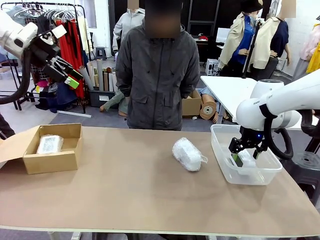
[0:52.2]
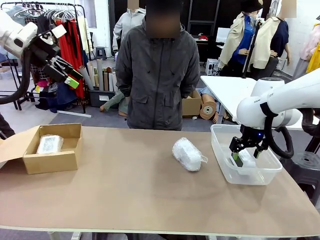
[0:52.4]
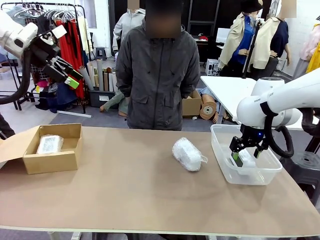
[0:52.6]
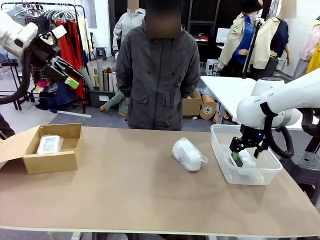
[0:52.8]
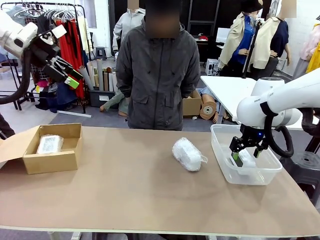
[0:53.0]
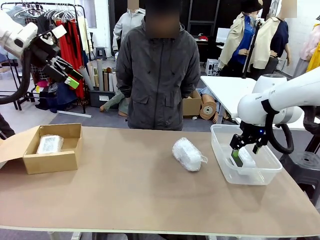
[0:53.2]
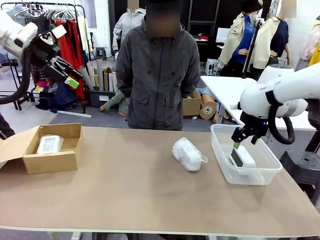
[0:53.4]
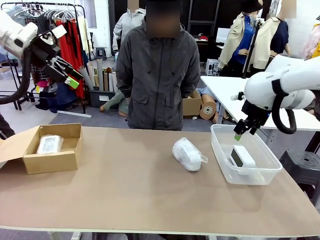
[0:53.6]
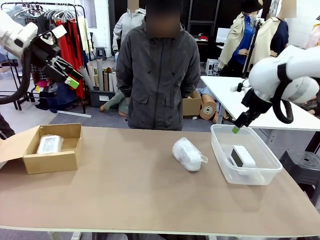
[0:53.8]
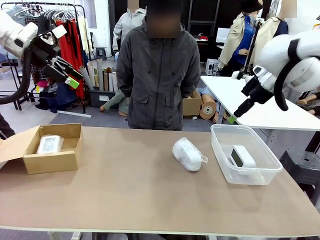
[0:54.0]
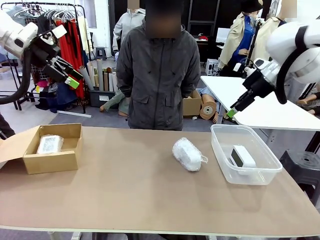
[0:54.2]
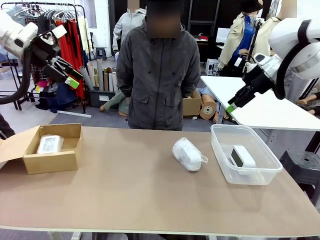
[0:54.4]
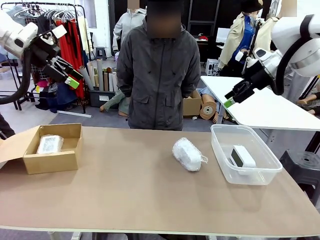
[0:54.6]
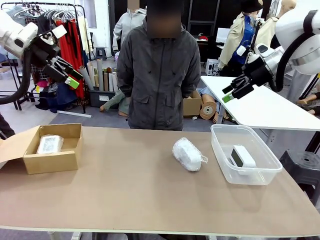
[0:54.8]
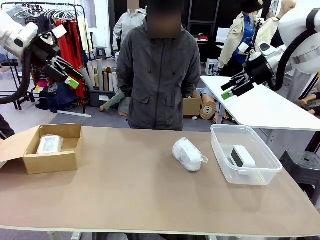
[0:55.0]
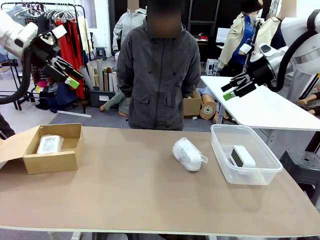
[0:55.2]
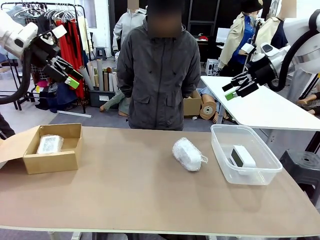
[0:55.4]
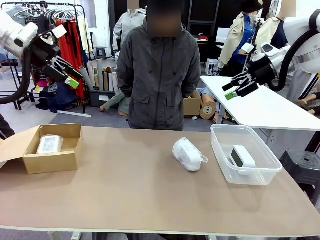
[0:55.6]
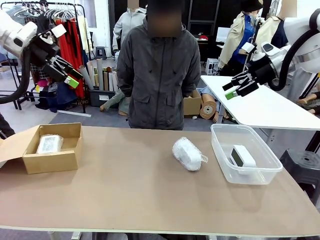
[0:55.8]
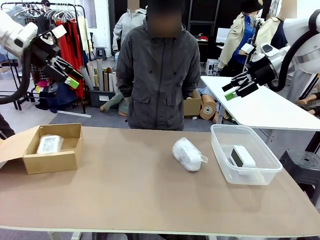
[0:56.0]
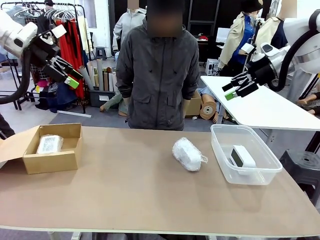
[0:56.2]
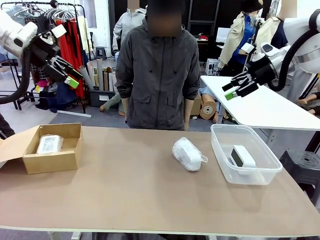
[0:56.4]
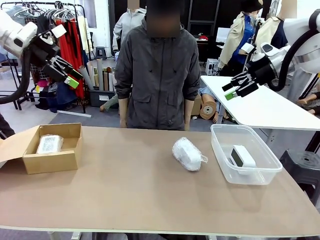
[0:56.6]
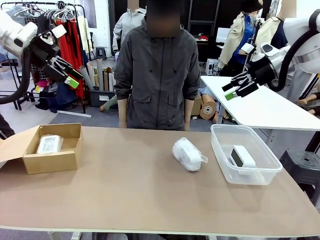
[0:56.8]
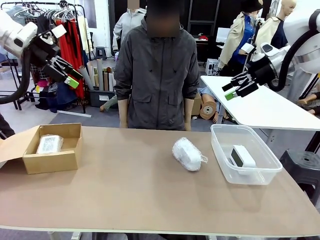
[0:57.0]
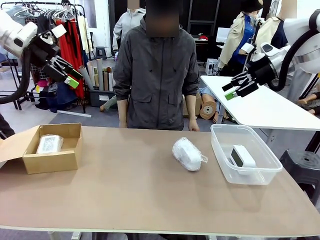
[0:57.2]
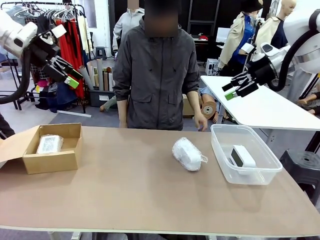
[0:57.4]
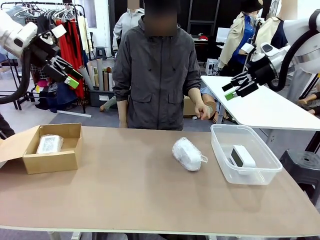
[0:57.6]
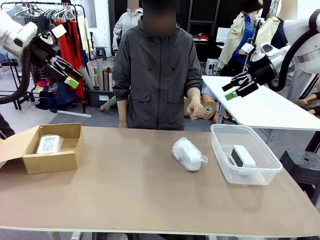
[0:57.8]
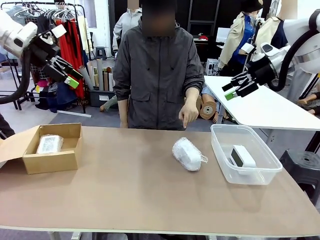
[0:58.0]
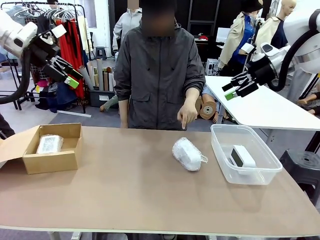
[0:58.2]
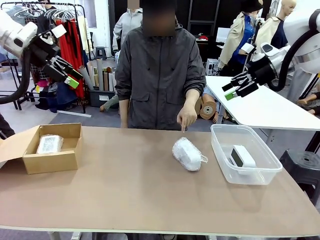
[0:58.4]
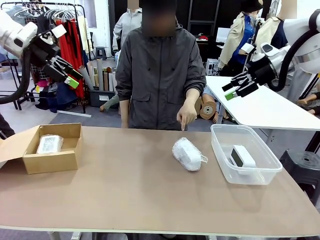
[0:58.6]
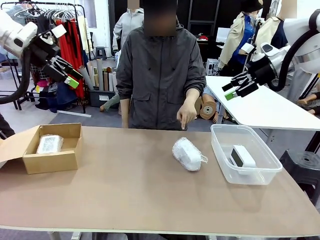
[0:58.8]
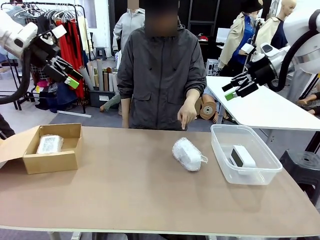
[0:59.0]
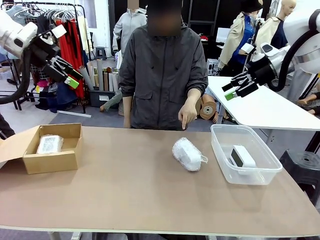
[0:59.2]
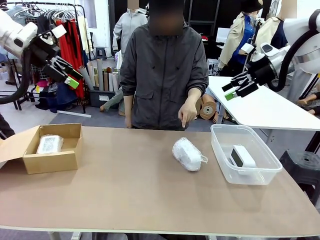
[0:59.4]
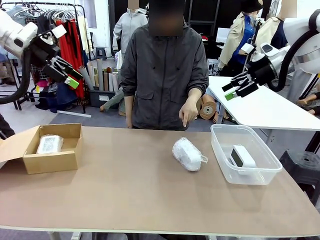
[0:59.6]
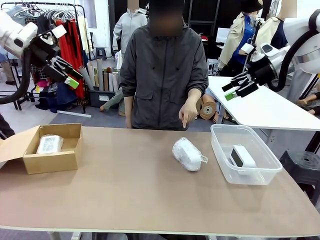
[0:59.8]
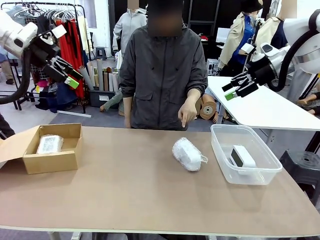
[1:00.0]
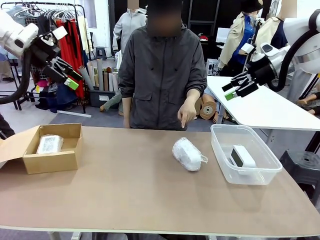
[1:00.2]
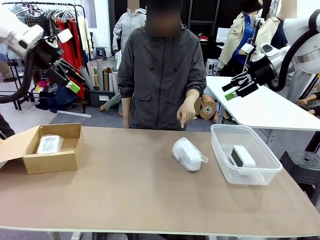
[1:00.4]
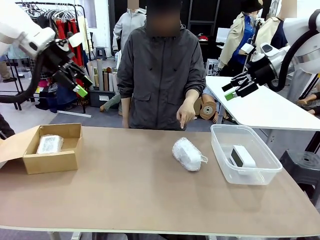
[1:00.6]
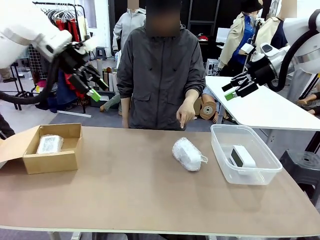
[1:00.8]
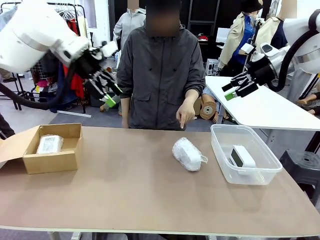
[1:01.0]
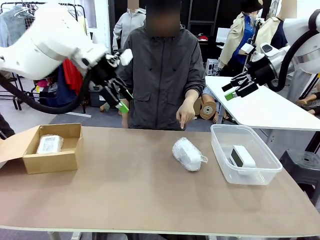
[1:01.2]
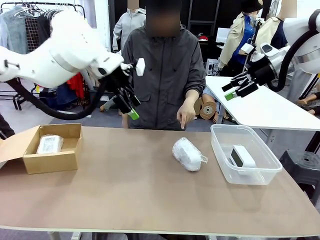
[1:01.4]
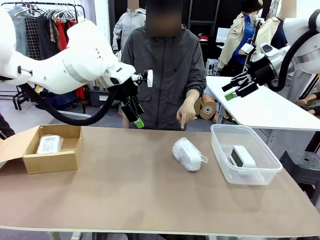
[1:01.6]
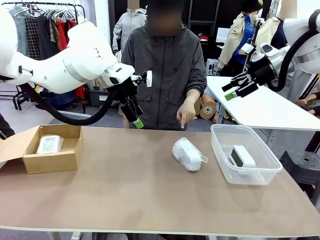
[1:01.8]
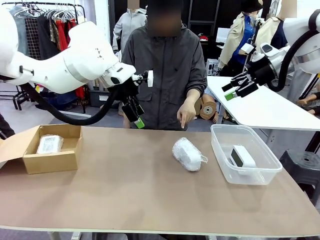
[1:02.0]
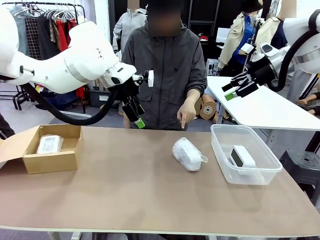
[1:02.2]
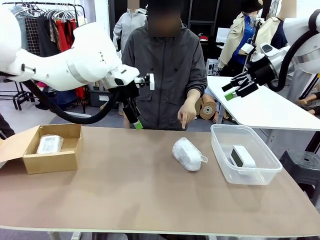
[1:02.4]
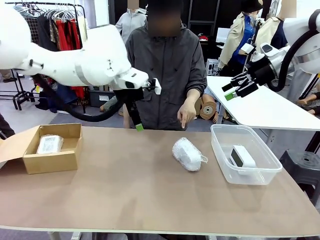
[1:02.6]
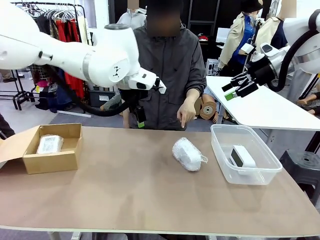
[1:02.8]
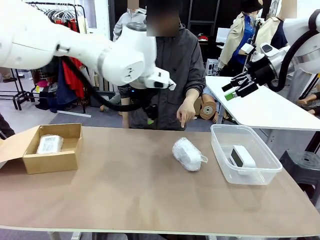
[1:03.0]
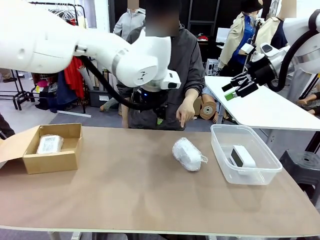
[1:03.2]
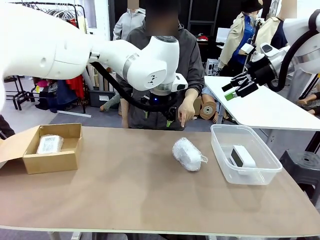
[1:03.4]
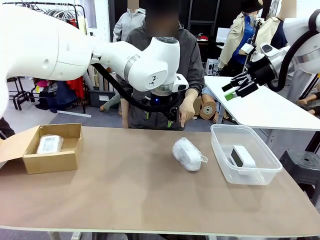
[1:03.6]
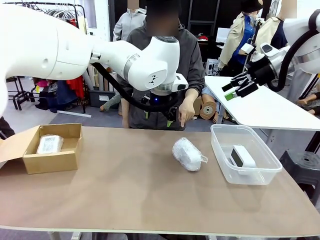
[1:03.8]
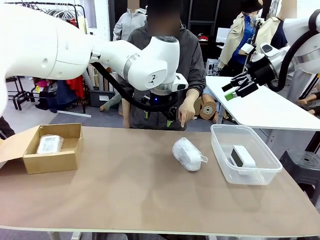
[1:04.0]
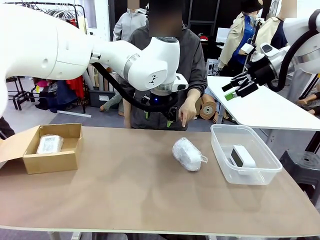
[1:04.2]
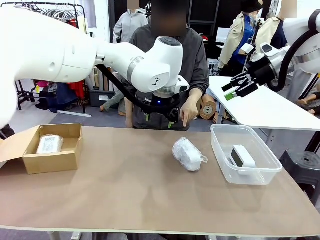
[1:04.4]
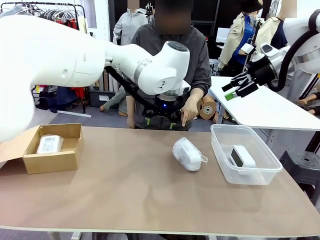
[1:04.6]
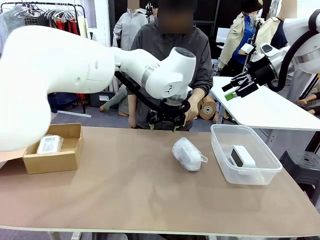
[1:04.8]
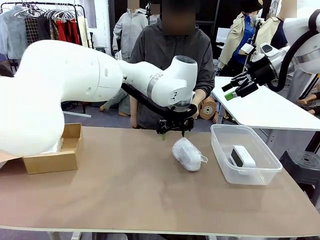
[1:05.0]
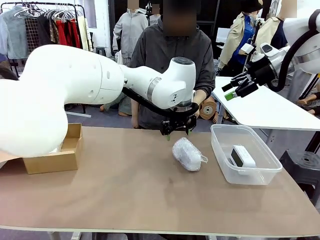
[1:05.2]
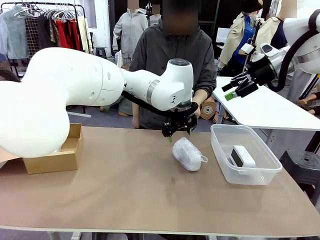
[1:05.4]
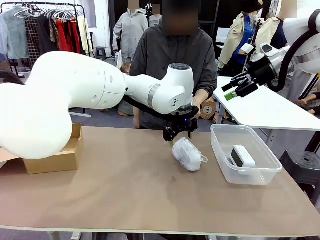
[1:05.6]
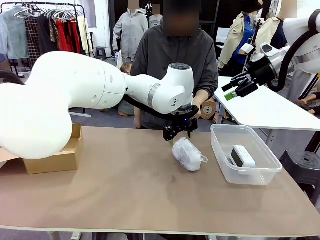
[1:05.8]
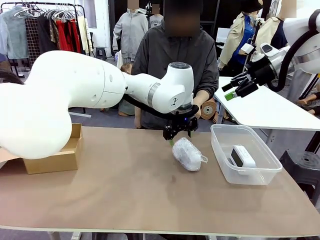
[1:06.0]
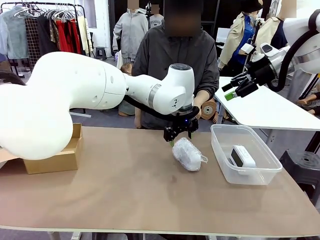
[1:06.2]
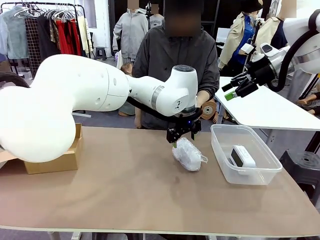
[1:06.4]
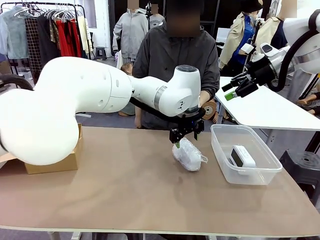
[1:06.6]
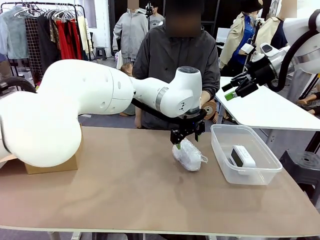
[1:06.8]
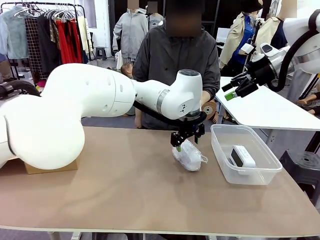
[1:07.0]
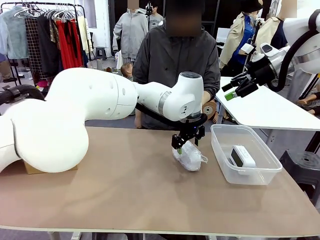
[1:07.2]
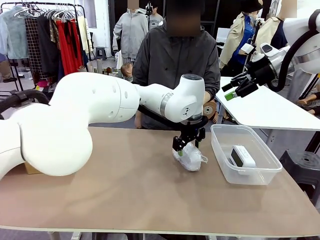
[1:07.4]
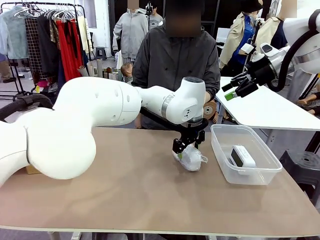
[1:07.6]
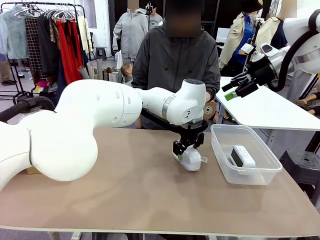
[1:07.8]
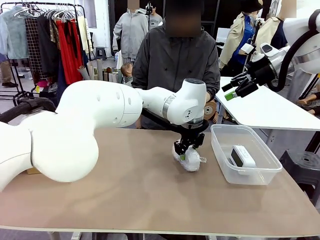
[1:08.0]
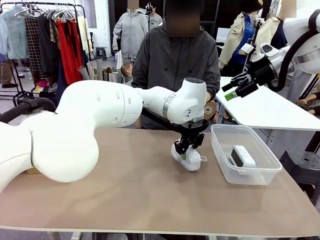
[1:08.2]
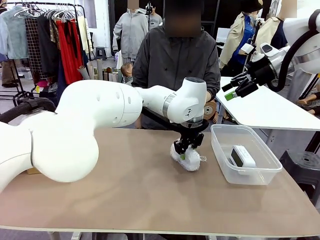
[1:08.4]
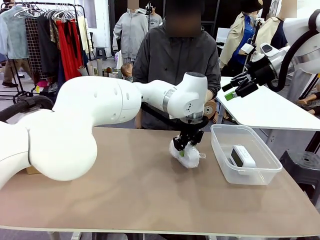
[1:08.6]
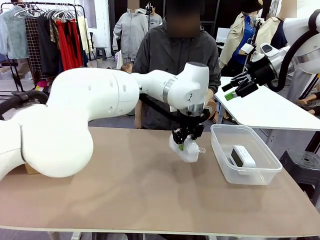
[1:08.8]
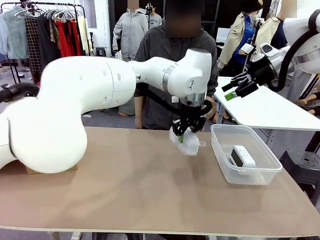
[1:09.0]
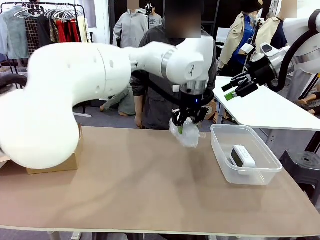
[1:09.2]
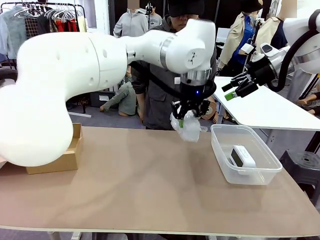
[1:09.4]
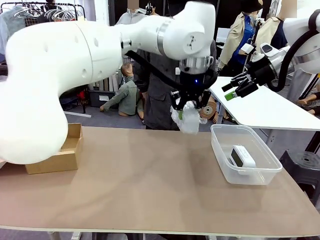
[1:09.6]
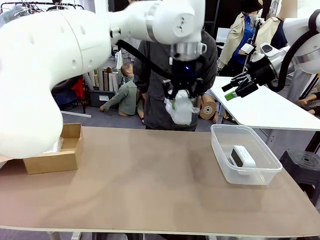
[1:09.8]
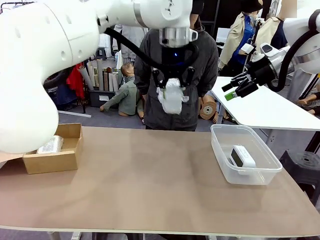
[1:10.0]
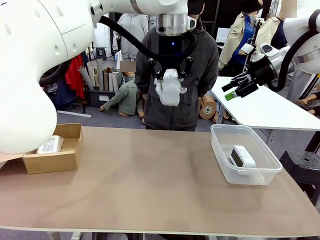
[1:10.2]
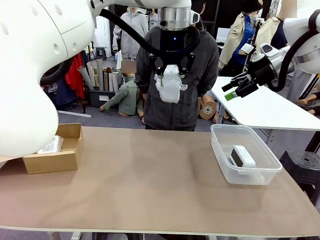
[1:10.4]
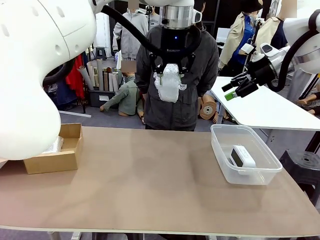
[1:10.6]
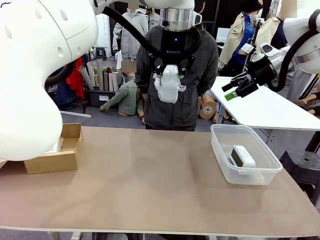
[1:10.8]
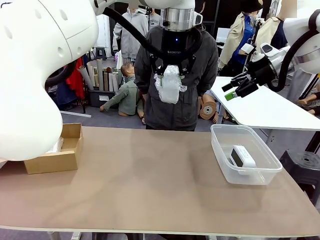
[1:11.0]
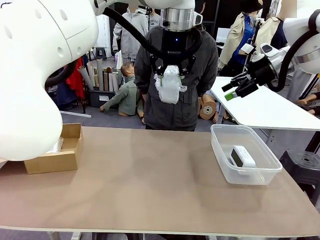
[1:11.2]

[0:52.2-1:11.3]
Task: Separate and place wrapped and unwrapped clocks.
Robot: Pick up the Digital clock indicated by the person.
